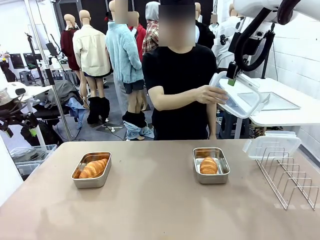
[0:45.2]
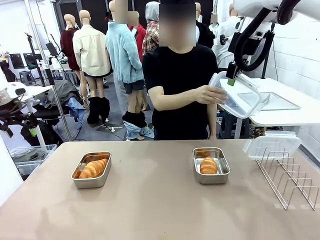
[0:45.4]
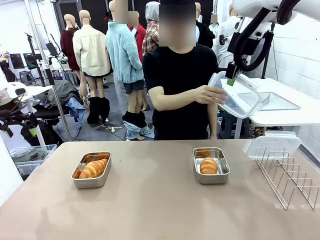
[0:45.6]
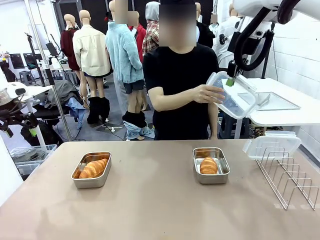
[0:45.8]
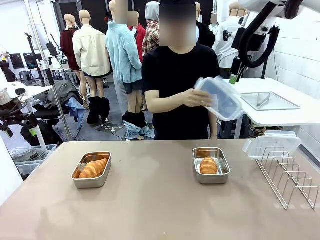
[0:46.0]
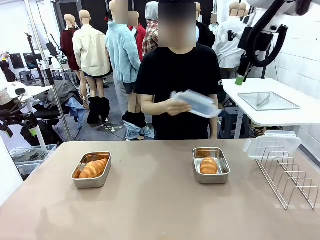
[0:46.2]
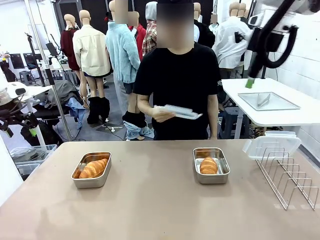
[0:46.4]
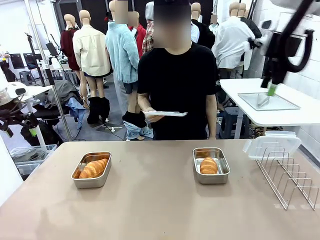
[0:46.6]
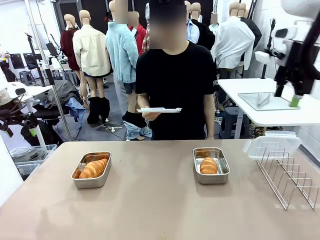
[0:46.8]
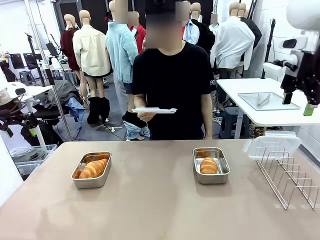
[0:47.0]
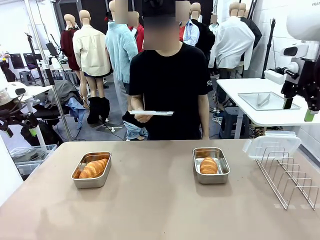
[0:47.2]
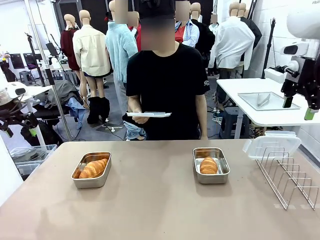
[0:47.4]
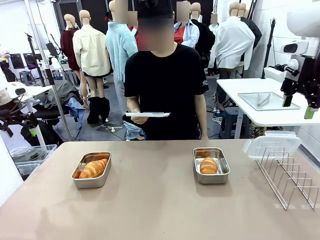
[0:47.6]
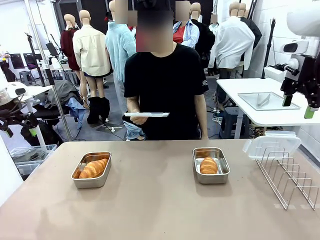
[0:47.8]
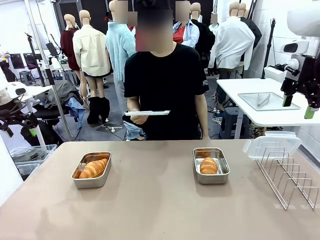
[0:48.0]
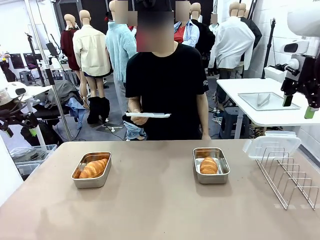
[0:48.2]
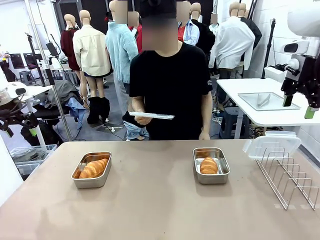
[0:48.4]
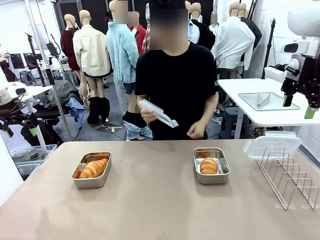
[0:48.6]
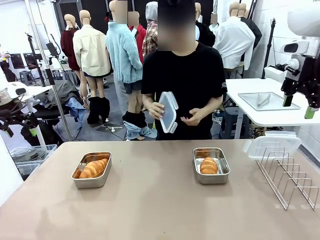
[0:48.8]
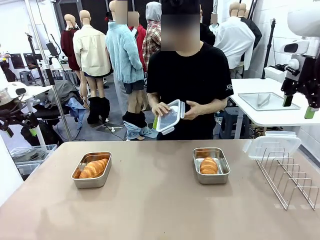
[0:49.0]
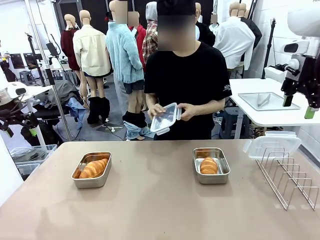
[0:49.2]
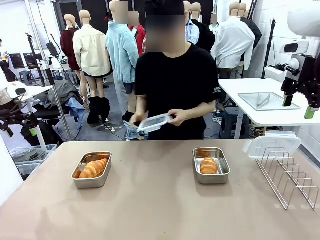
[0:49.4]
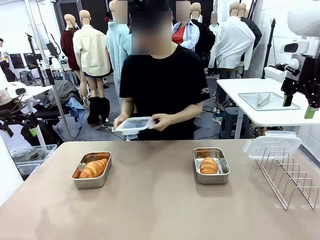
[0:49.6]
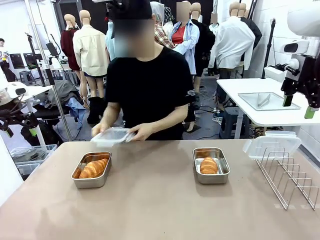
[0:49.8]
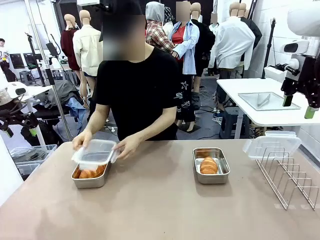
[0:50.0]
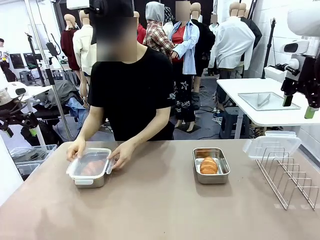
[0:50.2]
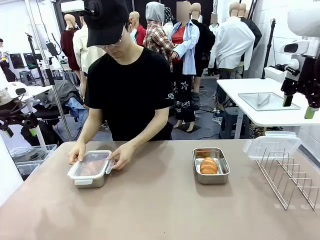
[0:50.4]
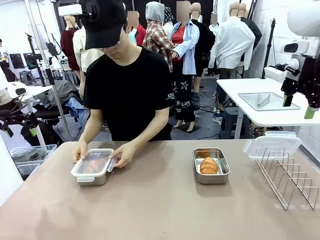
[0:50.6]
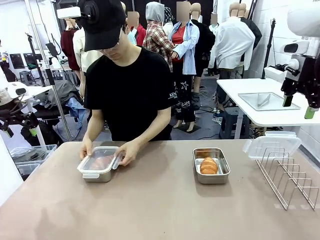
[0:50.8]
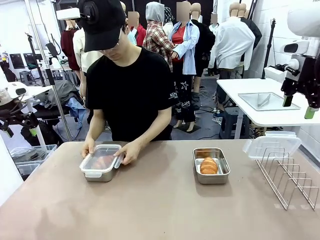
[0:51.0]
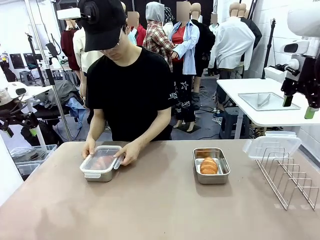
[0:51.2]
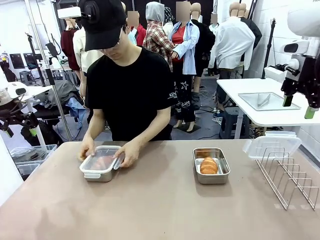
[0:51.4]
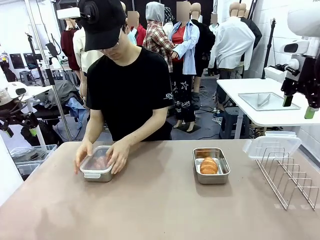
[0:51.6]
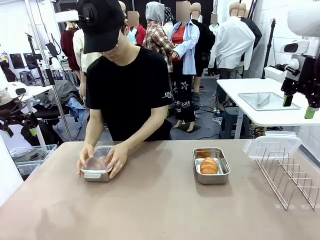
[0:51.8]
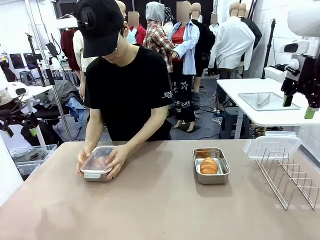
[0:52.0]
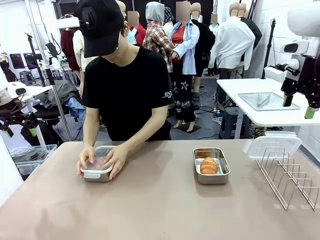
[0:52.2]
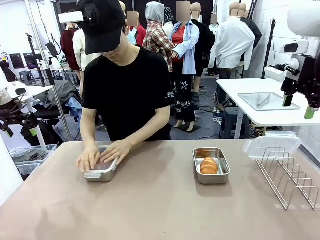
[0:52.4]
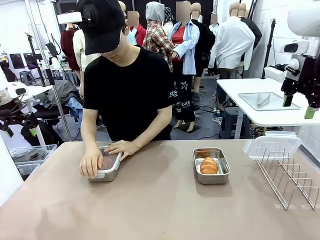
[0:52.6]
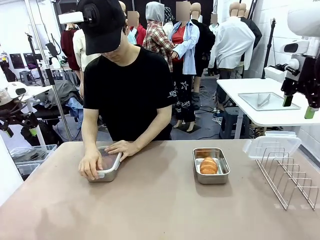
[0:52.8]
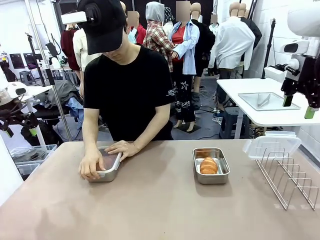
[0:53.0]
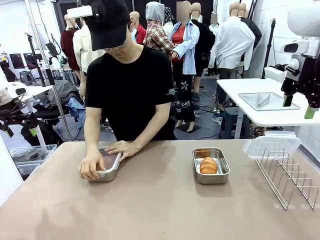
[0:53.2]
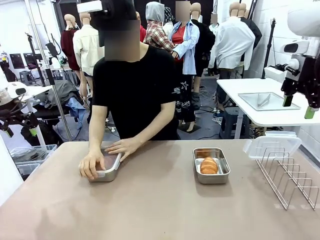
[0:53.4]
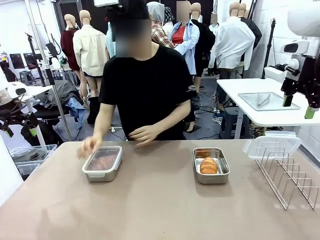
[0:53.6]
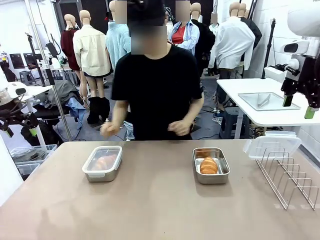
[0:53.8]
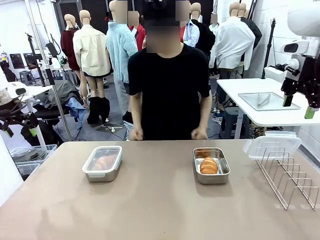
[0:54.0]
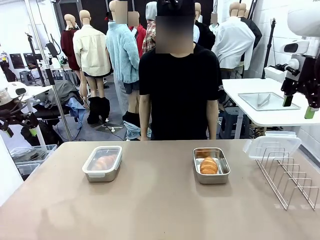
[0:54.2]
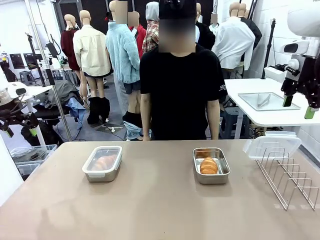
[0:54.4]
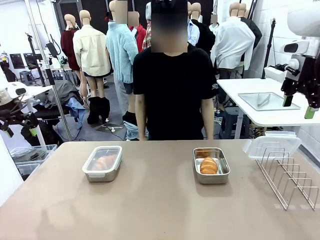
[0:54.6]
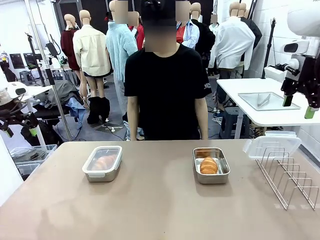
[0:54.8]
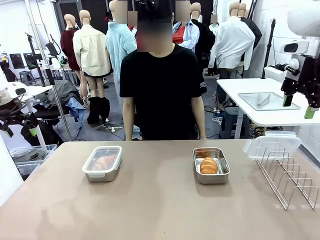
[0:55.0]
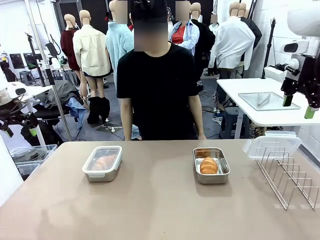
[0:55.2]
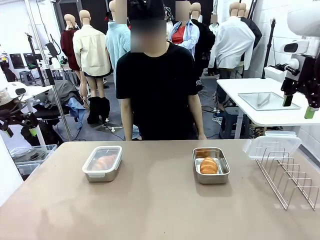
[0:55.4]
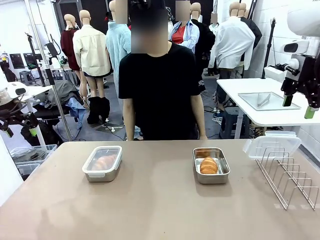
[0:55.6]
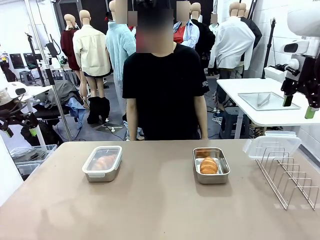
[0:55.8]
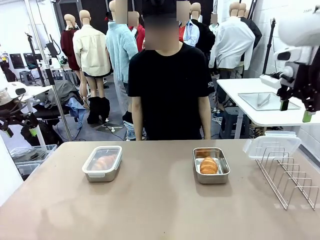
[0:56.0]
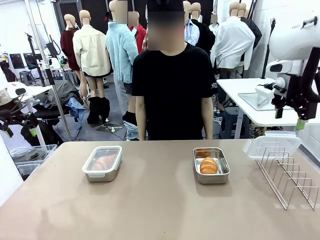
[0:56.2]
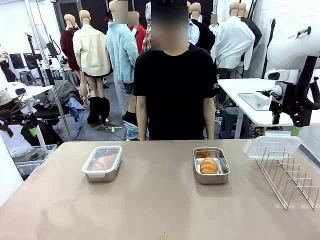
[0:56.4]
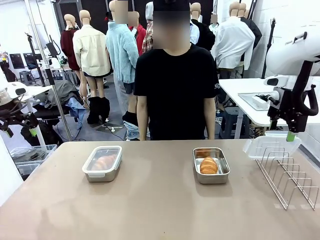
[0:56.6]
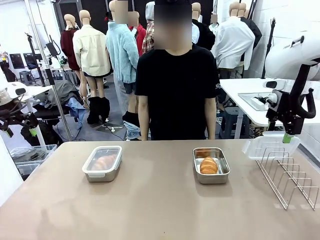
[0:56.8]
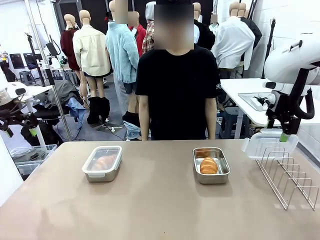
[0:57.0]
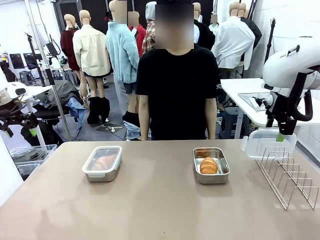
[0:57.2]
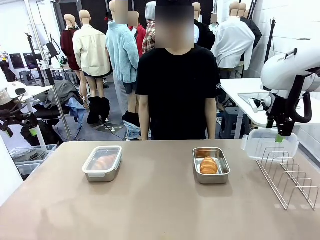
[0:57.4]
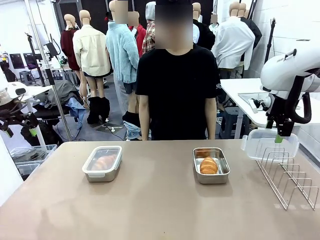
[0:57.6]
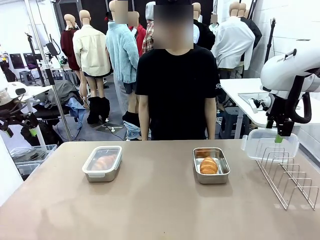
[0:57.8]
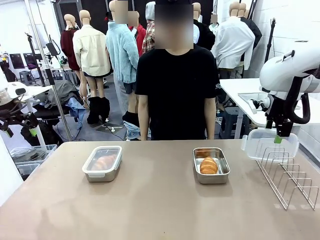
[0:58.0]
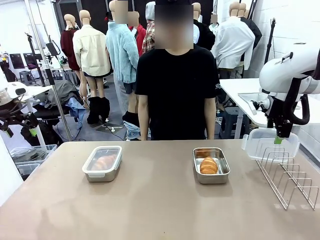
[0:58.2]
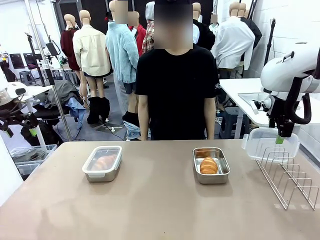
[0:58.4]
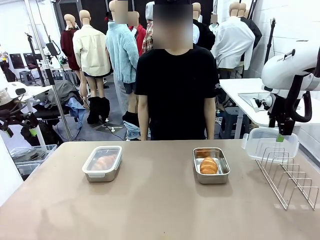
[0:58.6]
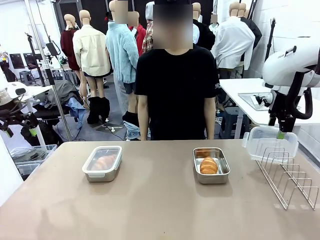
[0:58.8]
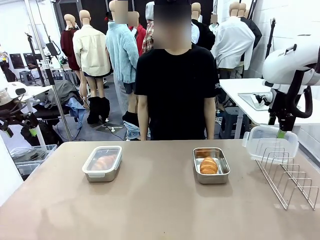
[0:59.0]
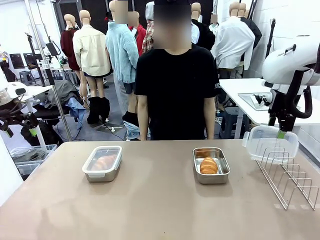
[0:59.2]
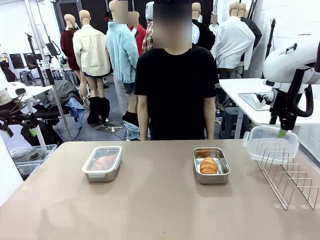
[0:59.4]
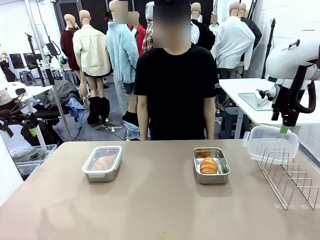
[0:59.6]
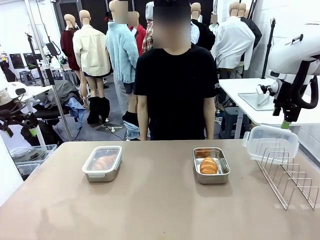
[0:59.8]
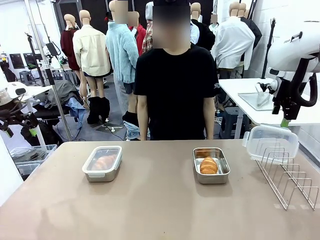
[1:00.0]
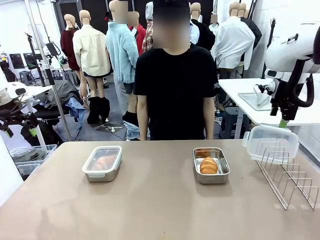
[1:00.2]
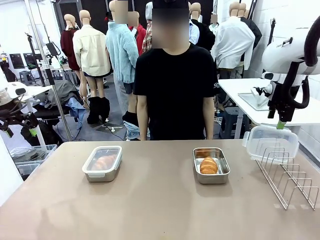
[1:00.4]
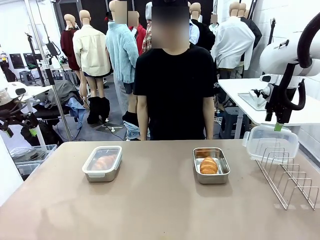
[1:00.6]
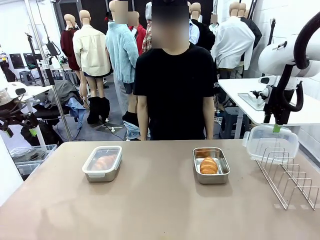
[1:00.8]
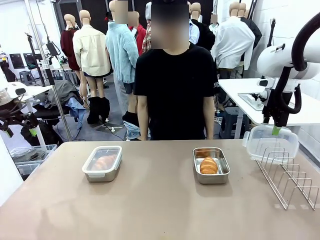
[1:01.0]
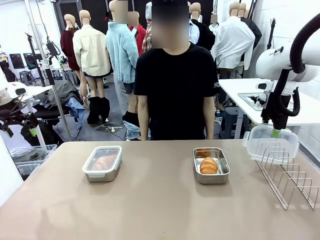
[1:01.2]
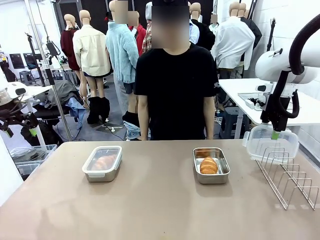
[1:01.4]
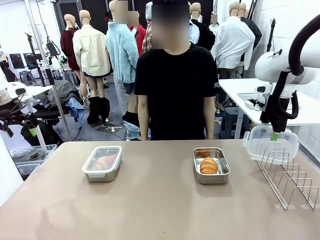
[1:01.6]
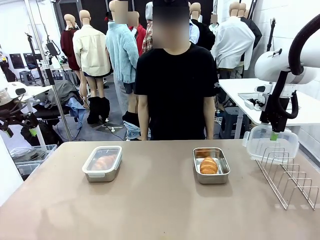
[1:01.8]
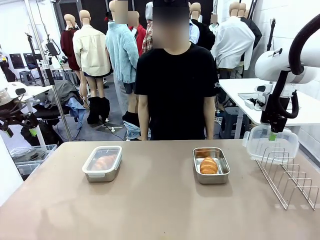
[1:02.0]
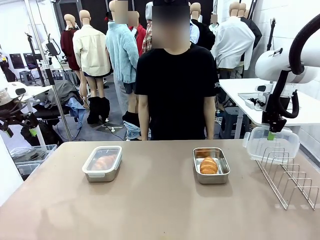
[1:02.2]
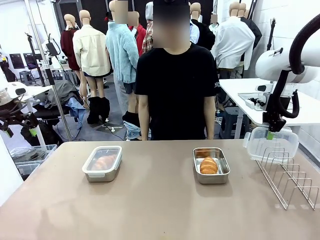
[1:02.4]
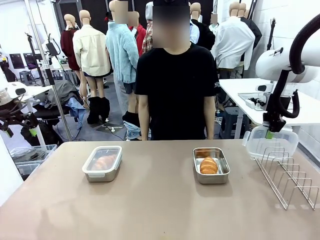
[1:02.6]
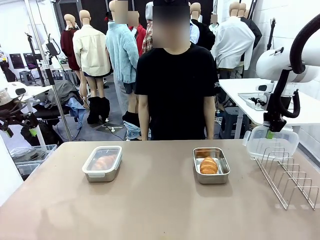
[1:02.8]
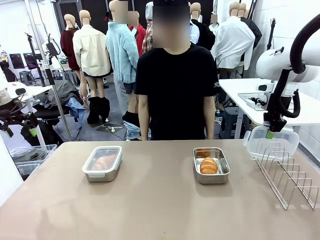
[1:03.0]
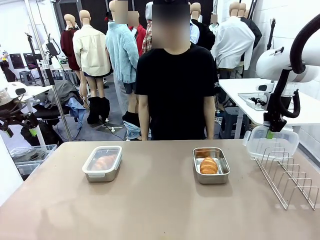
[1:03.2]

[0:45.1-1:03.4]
Task: Place the bread in airtight containers.
Robot: Pick up one Airtight Container lid and hand it to the human.
Person: Close Airtight Container with a handed Airtight Container lid. Grip Airtight Container lid that robot is handing.

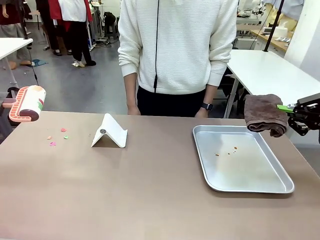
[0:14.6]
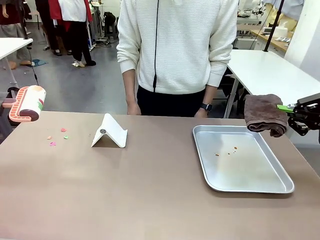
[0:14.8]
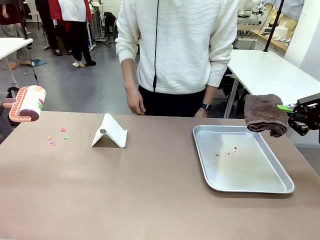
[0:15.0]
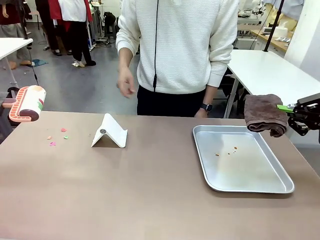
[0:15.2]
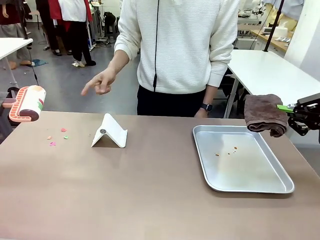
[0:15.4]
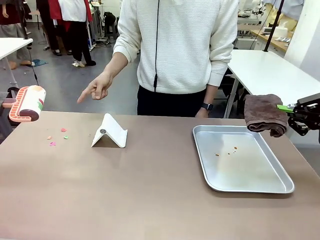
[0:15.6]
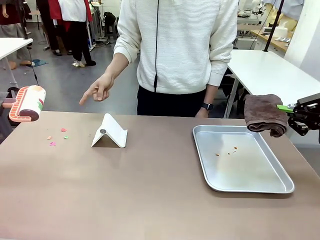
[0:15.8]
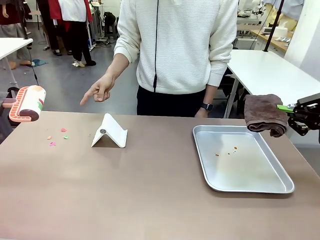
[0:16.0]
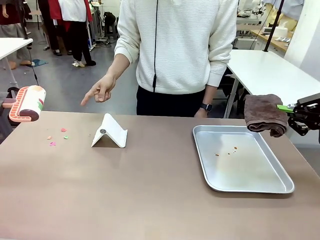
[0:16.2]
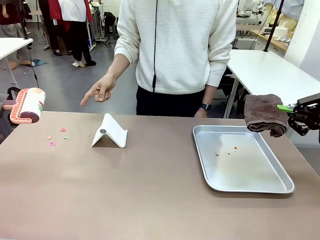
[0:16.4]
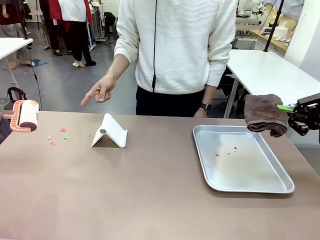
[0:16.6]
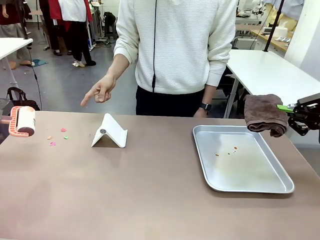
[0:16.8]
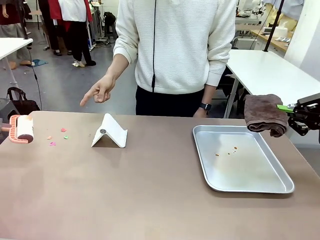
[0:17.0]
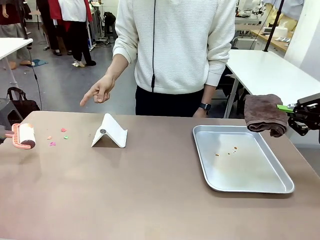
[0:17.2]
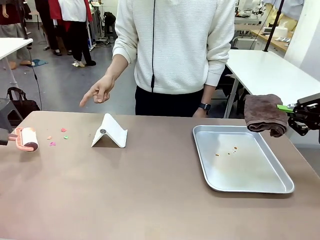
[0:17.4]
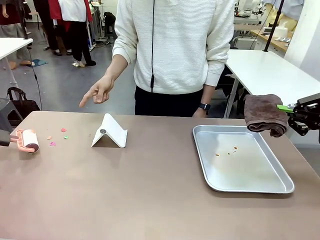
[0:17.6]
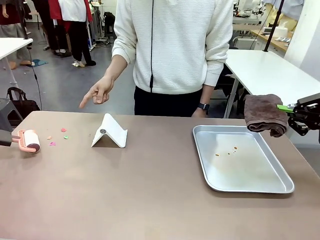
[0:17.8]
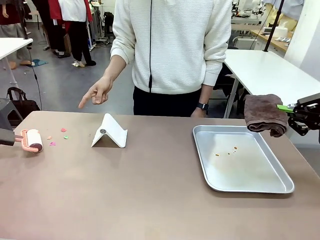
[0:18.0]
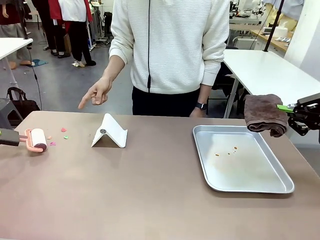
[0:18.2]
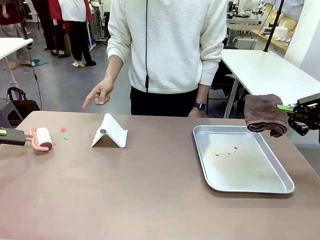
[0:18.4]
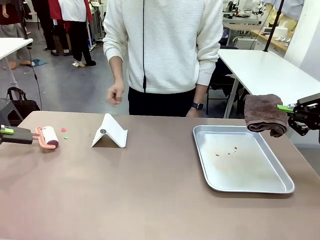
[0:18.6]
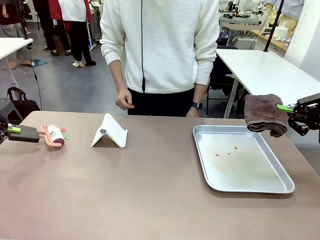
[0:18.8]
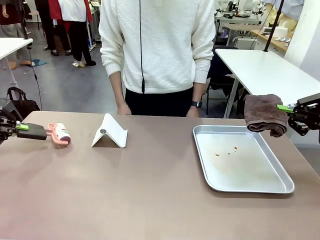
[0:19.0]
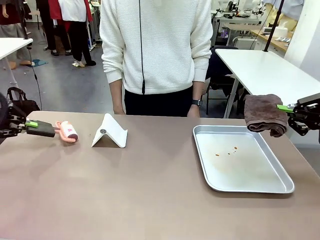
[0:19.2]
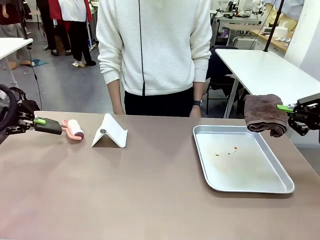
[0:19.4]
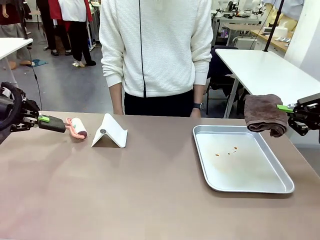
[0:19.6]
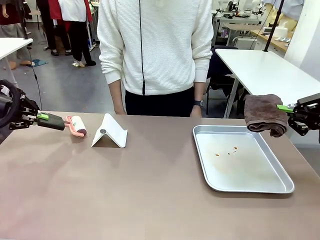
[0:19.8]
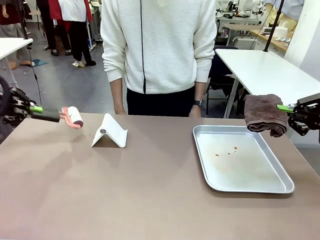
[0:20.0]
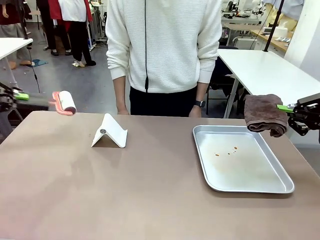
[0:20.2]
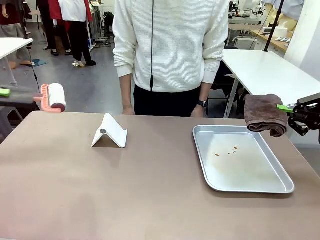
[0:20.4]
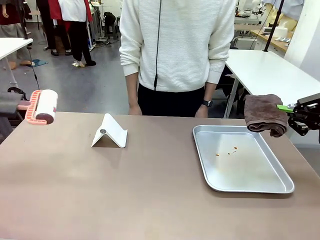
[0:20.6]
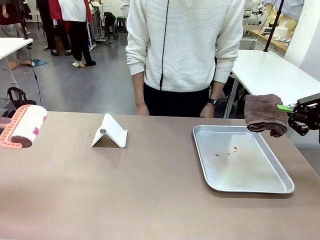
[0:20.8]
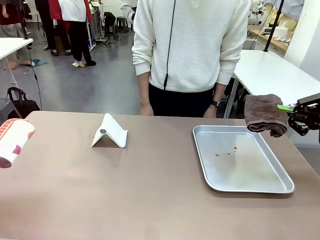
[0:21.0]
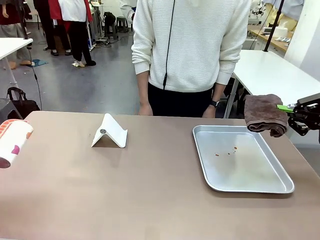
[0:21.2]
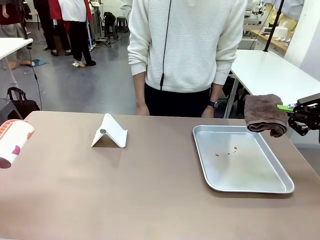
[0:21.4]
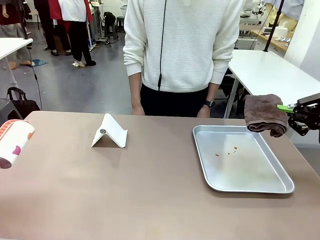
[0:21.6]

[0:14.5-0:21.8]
Task: Clean the surface of the table.
Robot: If a person points to the right, clean the right side of the table with your right hand, and if they point to the left, clean the left side with your left hand.
